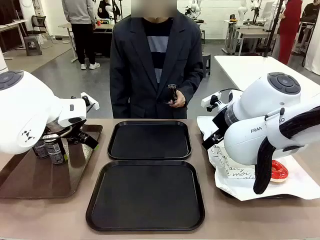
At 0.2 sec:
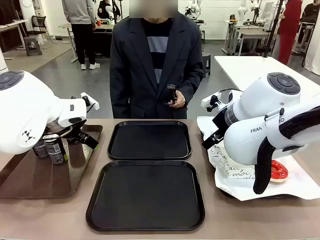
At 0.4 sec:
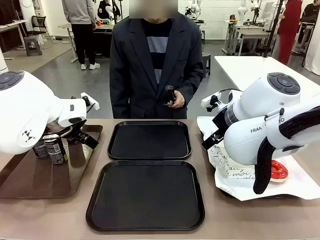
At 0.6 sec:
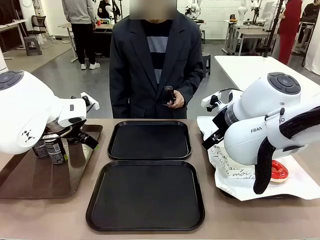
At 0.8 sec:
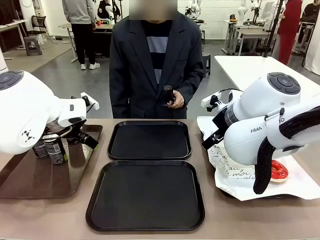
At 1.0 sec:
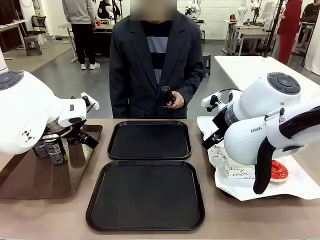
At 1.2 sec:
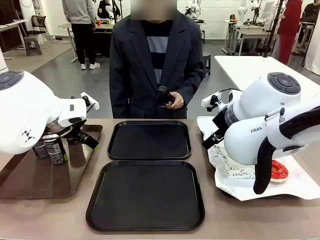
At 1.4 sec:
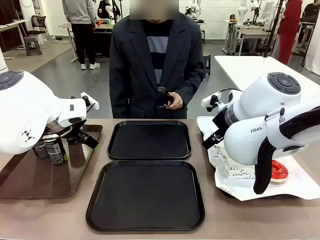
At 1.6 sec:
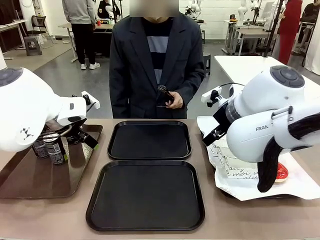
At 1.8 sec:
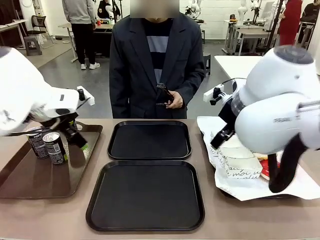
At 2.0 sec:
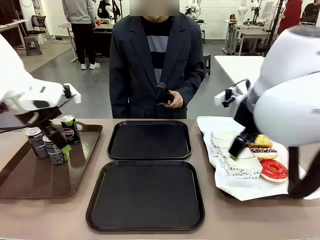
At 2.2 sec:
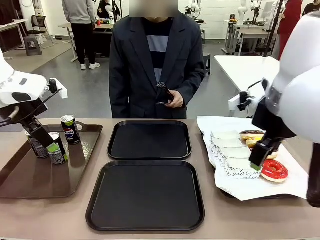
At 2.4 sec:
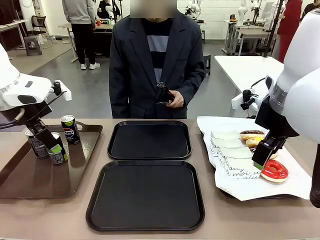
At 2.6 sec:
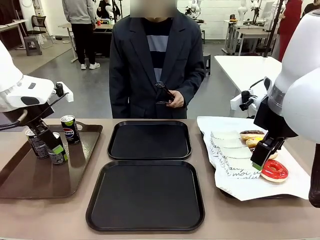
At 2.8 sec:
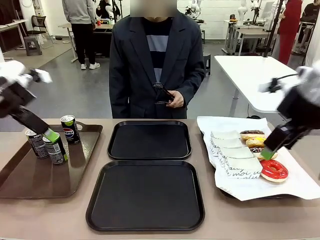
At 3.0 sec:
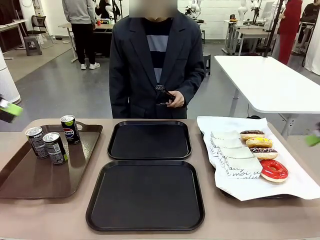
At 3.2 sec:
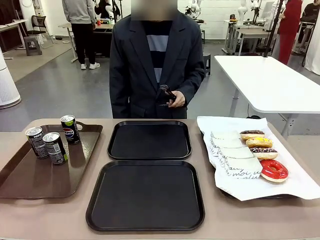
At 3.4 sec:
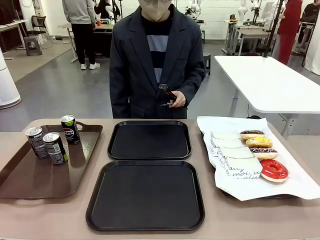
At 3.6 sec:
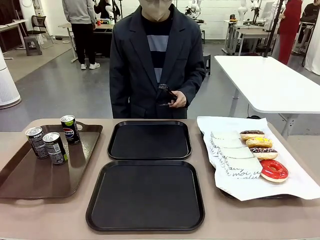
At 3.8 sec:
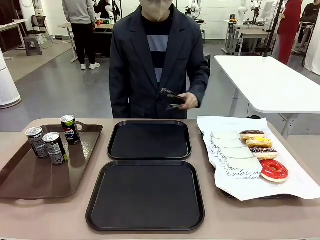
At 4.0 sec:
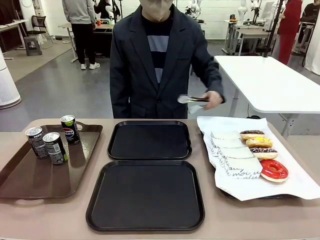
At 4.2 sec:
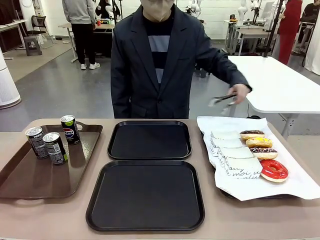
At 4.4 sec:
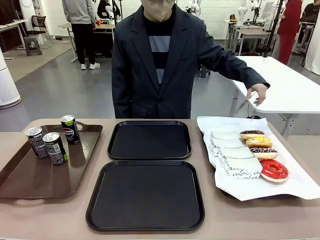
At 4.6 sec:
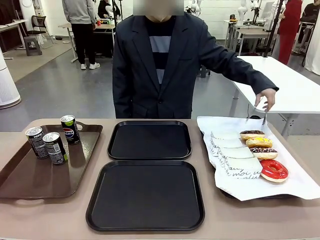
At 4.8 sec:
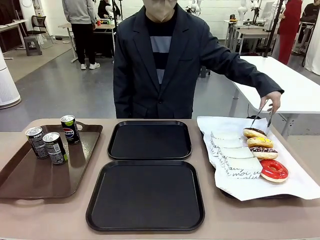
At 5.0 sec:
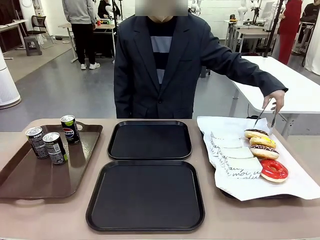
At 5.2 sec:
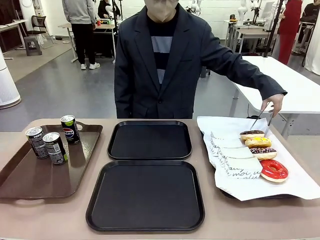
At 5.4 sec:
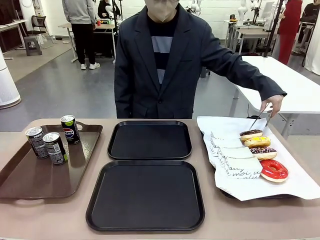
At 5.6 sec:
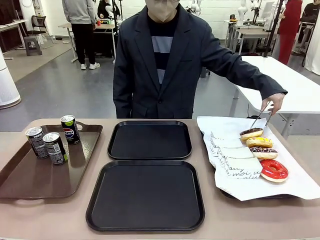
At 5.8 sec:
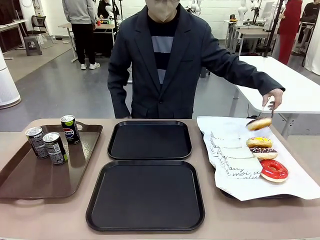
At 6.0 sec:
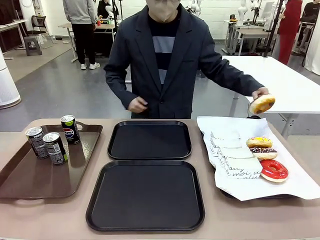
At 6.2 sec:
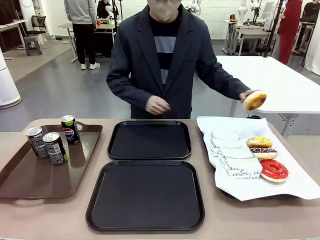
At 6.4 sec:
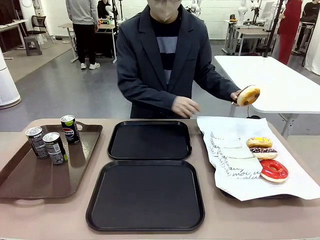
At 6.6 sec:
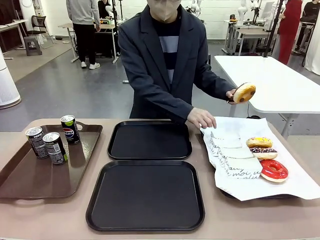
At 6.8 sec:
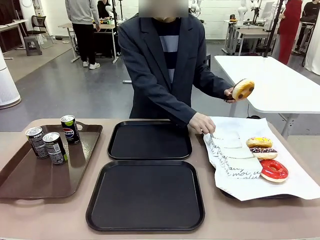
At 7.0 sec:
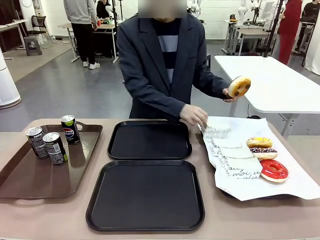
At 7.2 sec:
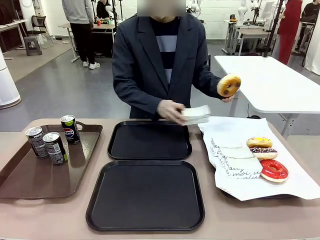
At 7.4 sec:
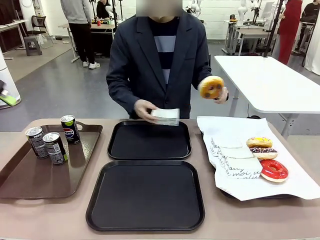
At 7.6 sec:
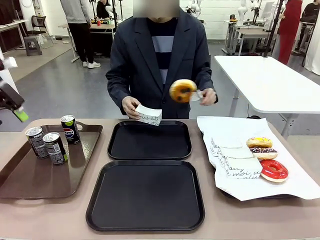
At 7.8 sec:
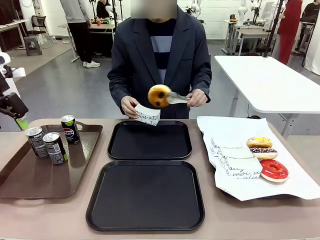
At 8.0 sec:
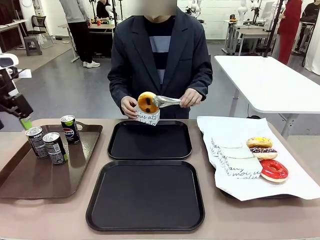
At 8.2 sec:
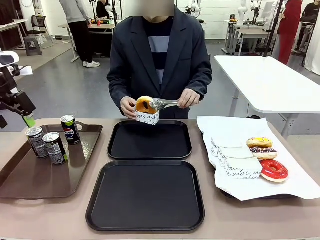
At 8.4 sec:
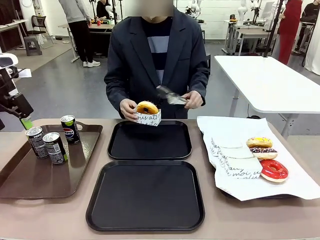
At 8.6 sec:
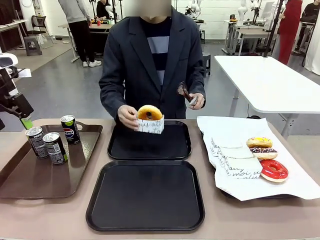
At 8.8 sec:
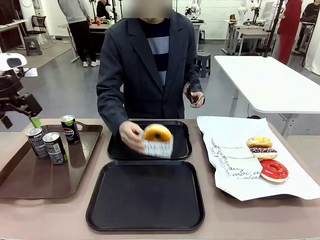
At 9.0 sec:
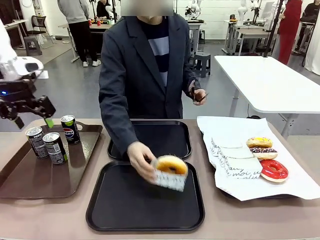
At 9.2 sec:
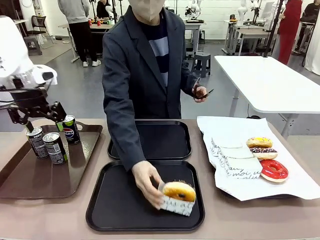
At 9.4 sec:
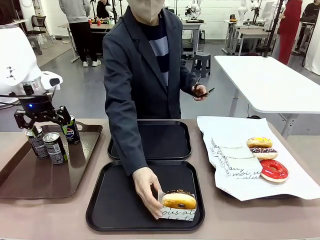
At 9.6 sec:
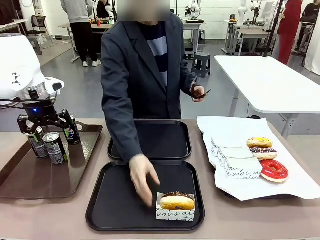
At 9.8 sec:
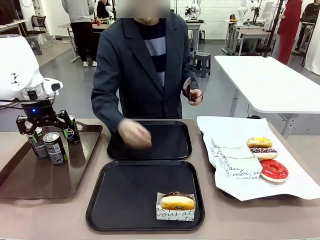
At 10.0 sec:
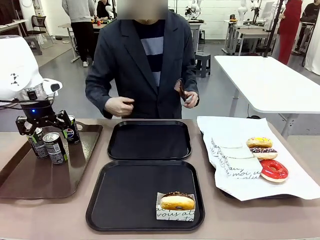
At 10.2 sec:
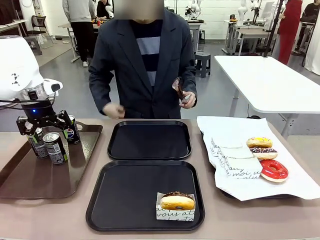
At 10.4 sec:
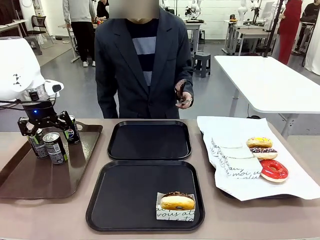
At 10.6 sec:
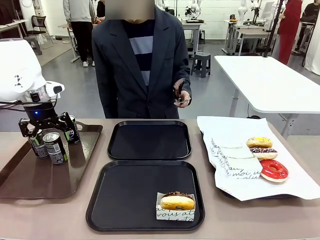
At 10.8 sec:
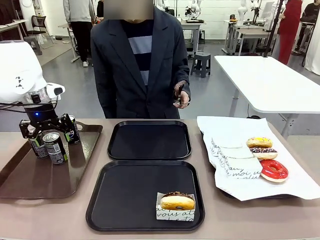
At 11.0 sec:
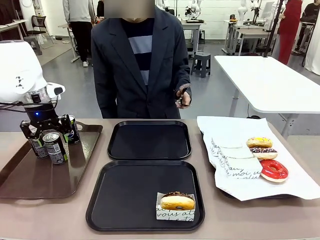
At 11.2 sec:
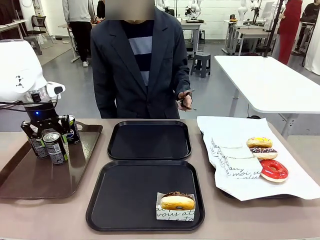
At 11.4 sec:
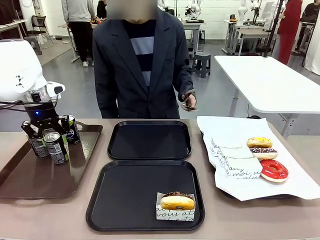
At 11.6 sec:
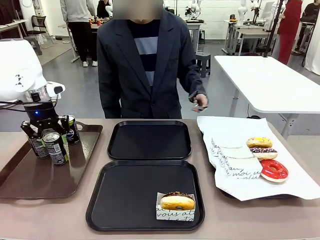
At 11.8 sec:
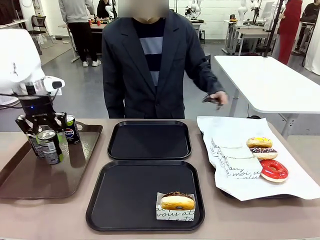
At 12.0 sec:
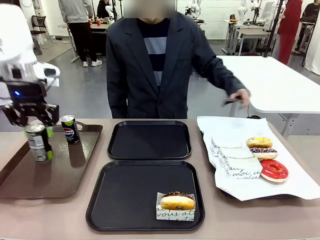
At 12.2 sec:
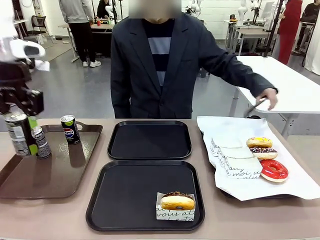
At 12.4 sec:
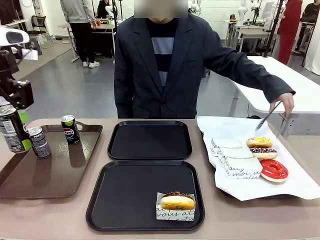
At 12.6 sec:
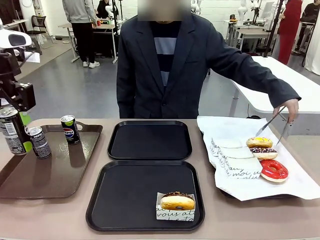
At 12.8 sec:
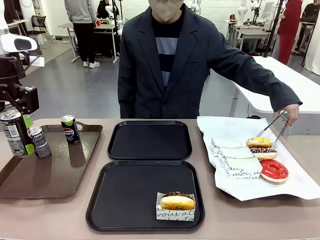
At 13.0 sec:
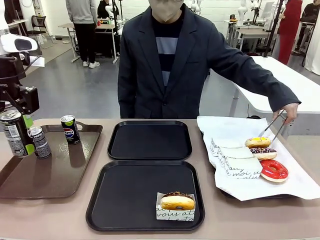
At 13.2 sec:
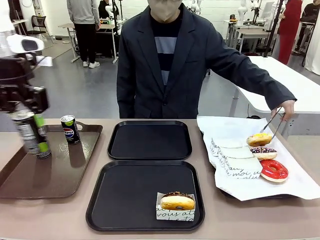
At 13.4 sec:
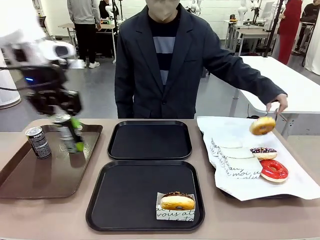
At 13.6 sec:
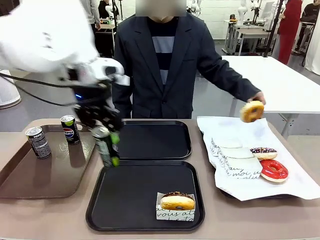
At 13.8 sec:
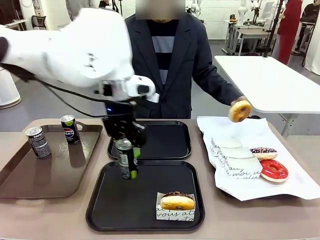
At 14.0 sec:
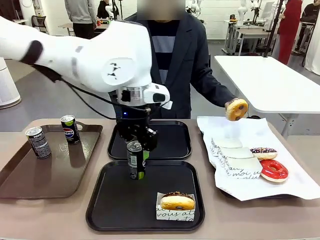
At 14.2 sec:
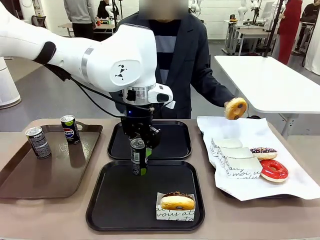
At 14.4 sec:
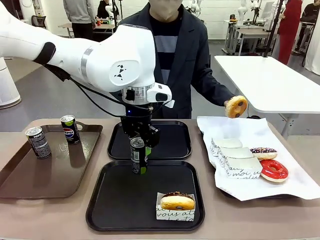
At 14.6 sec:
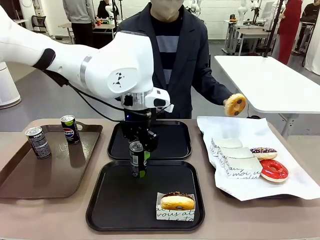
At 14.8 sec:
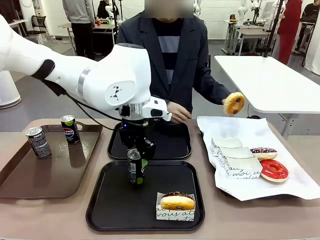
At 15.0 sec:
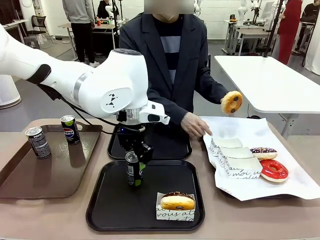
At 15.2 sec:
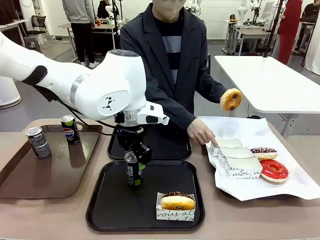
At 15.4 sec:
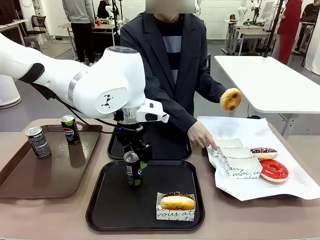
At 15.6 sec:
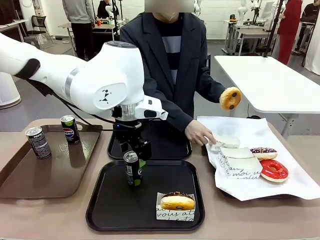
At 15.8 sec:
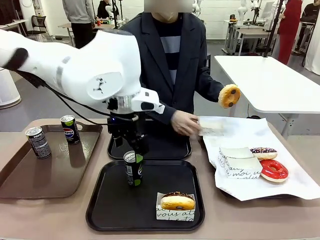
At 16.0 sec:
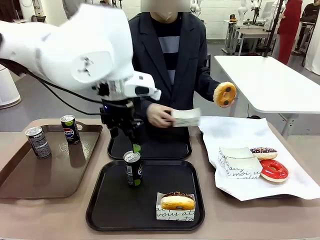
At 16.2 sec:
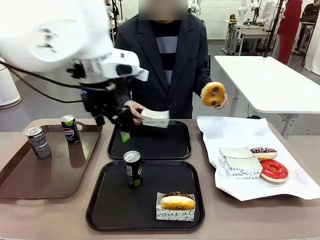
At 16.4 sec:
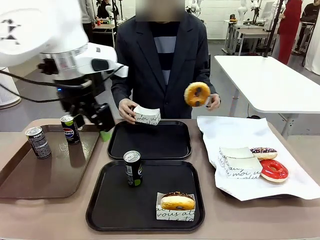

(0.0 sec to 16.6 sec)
Task: Set up donuts and drinks on trays.
Robot: Pick up one Pepsi coke and place it on the Flat Tray.
